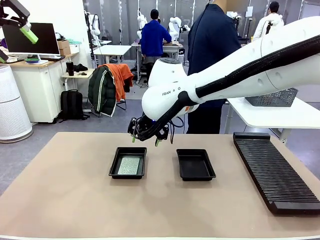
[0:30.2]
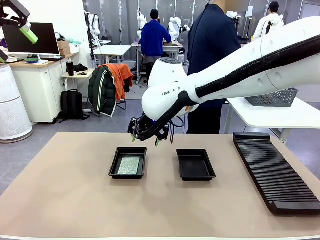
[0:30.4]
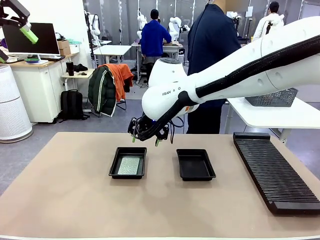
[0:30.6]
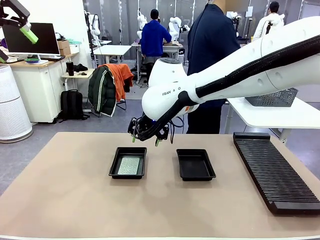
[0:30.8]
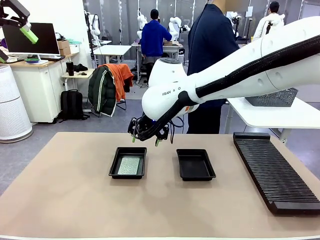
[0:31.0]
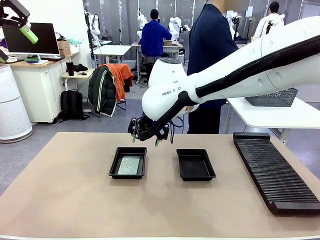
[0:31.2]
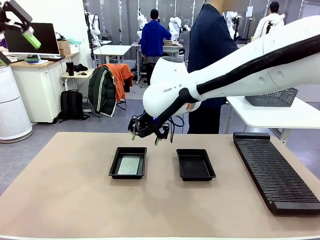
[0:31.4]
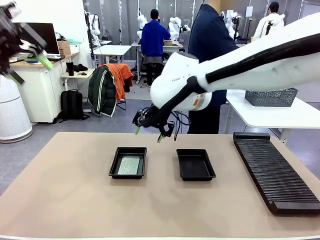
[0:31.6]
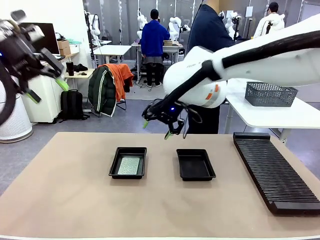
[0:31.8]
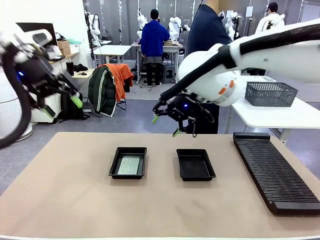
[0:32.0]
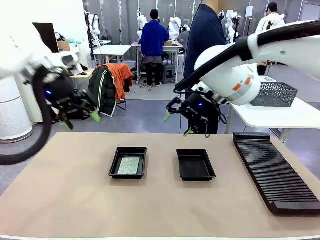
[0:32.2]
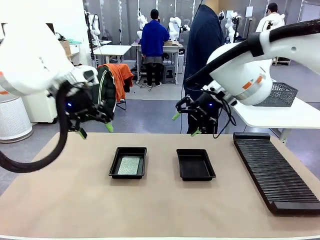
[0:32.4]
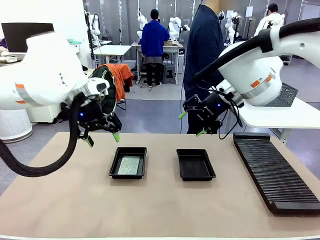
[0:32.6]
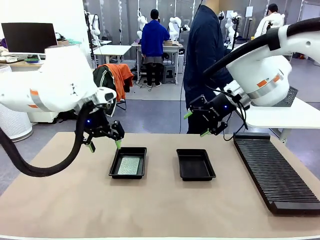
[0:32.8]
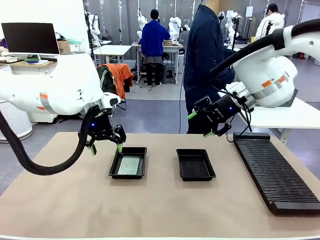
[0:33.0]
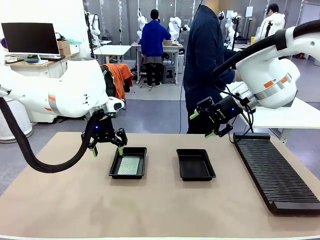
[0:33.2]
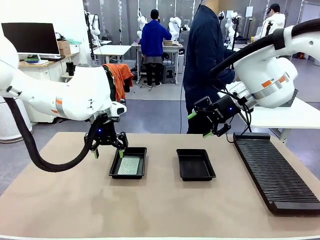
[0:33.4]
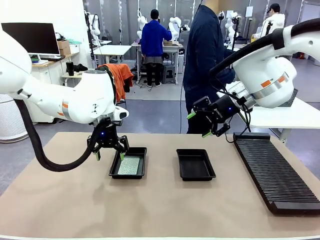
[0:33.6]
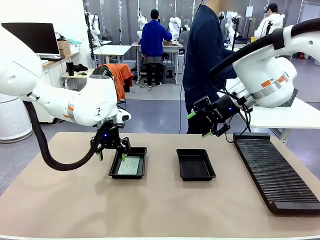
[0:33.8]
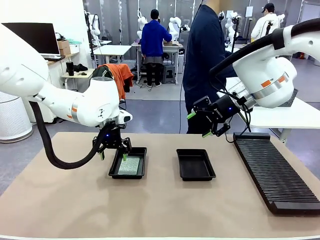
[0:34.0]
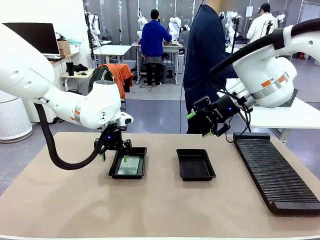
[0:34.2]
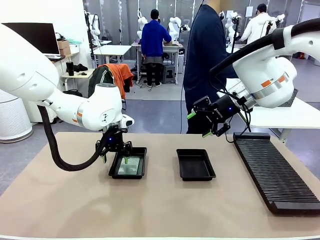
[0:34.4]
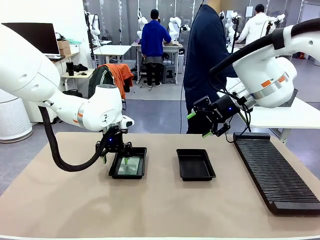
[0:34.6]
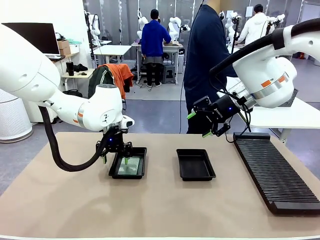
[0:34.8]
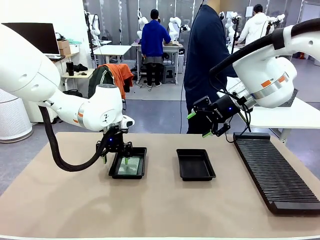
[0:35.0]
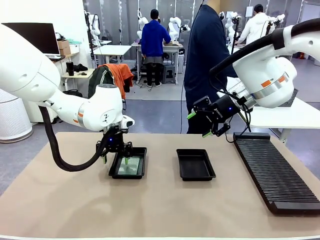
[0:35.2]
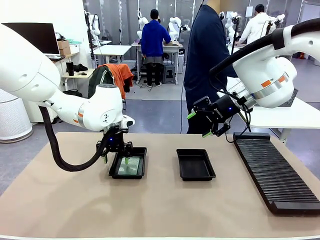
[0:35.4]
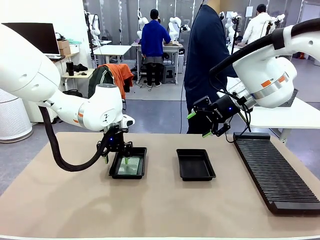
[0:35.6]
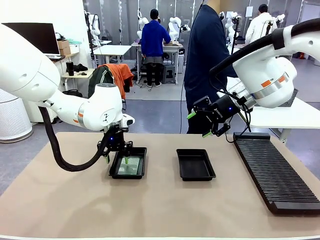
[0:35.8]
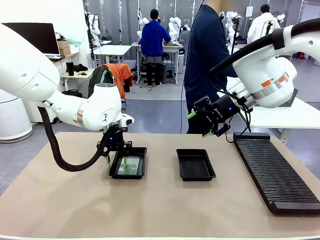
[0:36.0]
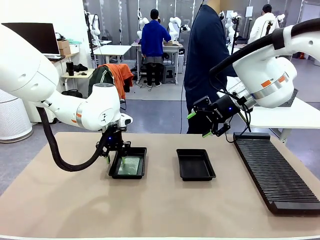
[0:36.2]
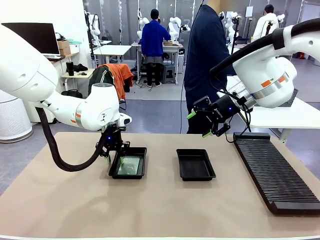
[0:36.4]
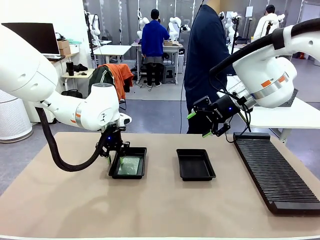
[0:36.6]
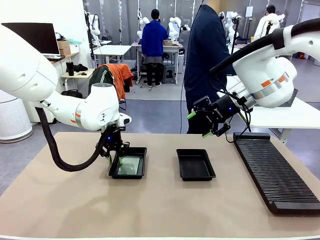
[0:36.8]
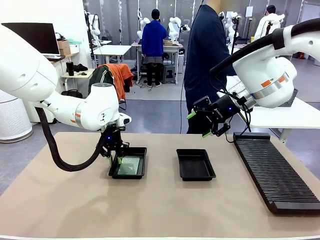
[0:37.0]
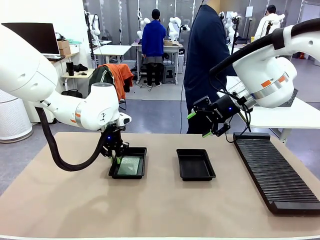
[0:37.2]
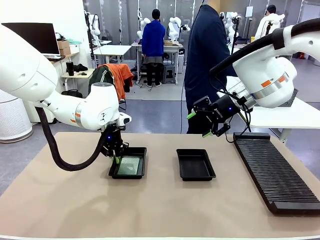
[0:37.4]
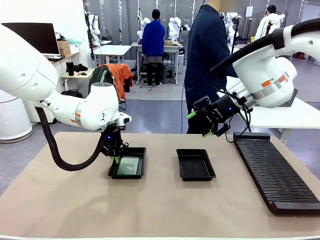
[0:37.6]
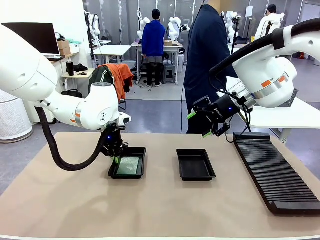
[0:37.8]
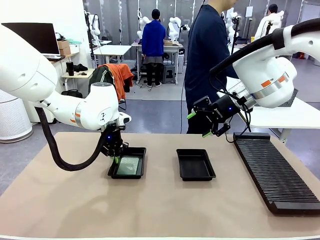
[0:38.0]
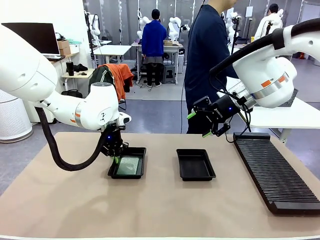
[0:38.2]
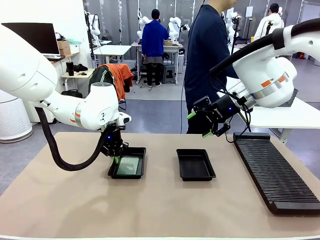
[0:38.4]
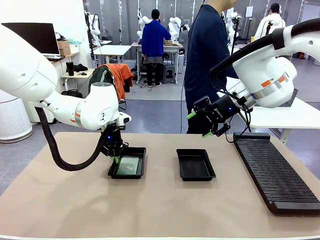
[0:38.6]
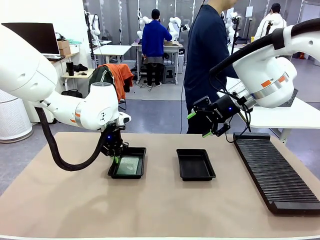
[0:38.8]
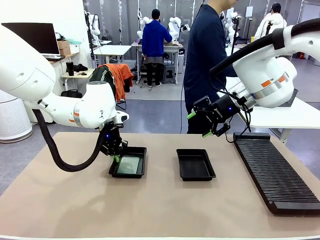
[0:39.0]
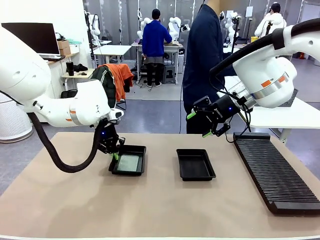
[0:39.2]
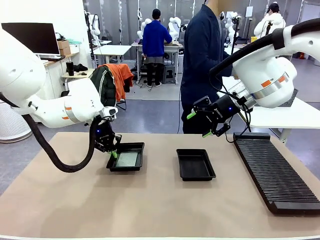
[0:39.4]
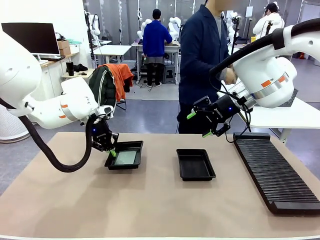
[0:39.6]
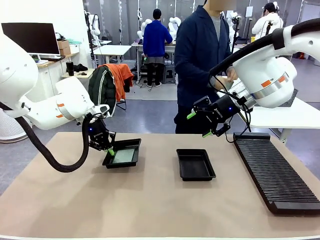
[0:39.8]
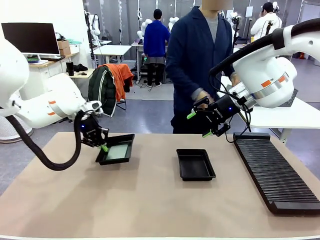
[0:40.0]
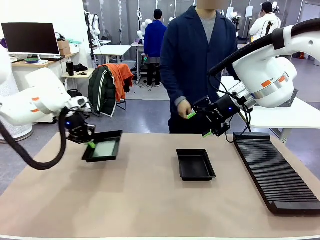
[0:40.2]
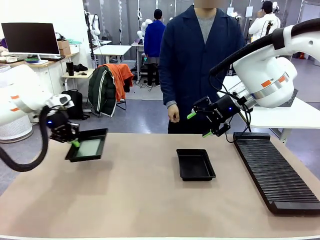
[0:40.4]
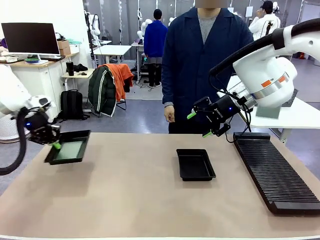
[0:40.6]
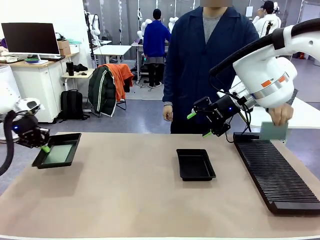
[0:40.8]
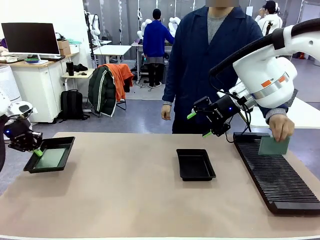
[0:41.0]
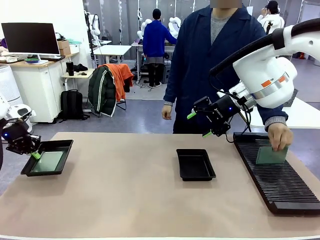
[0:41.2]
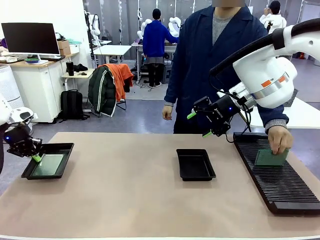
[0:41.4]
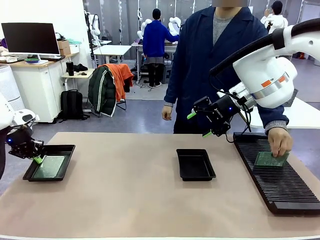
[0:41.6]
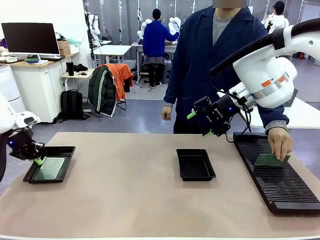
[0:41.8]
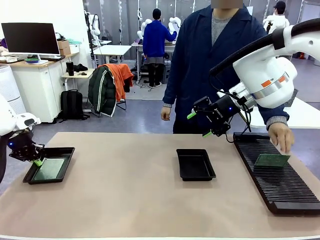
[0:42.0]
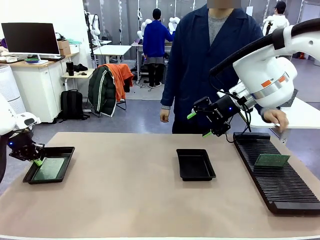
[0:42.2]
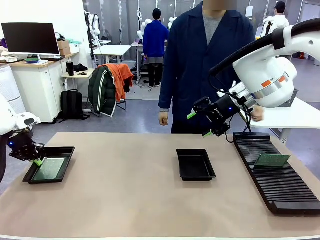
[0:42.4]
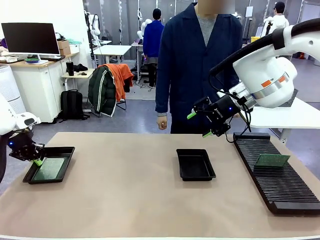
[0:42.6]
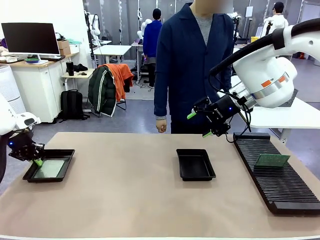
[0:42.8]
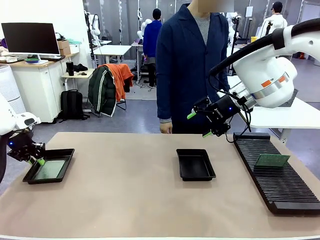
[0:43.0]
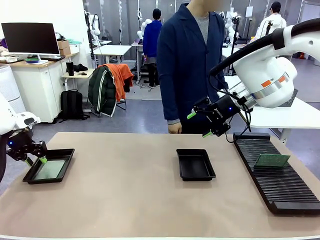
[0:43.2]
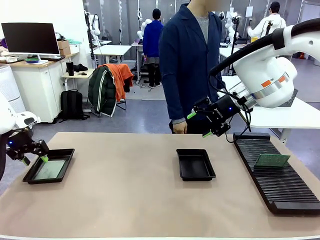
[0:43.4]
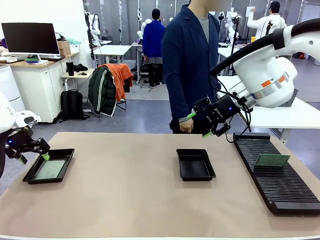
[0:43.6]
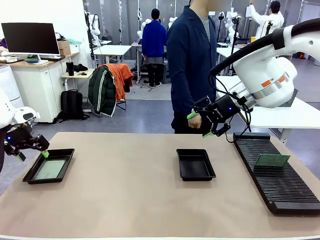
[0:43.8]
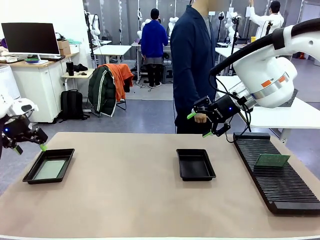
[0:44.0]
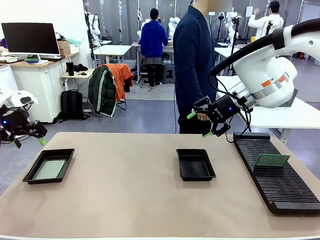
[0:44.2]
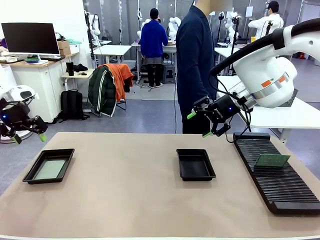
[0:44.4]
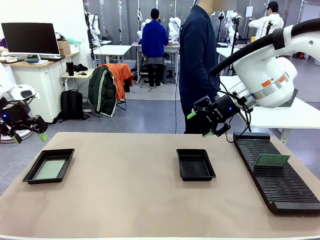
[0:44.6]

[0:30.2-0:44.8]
Task: Inspect and transfer BCBs to ESD trays.
Robot: Pick up the ESD tray and place it on the left side of the table.

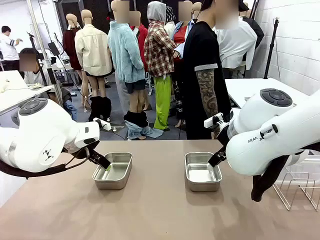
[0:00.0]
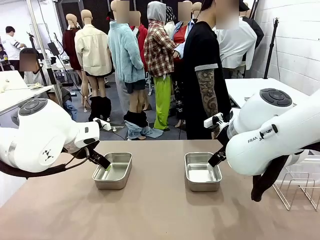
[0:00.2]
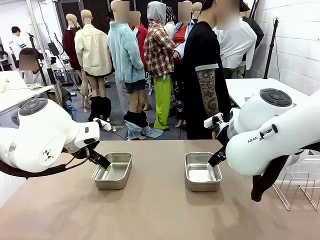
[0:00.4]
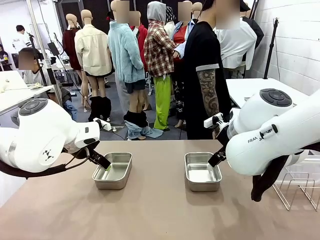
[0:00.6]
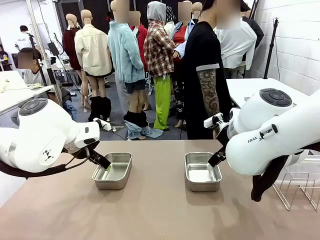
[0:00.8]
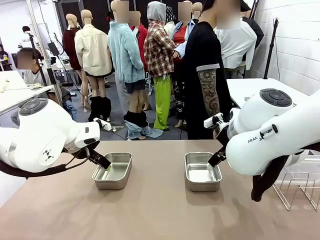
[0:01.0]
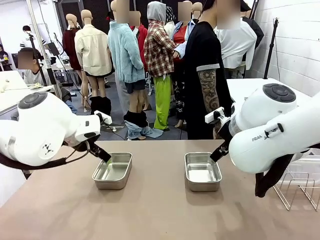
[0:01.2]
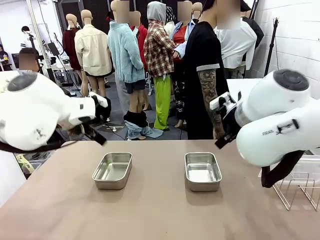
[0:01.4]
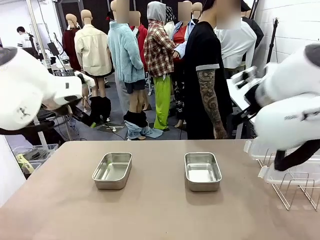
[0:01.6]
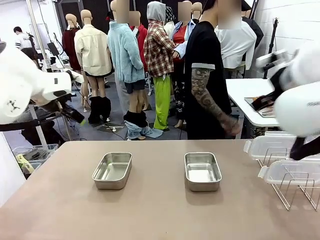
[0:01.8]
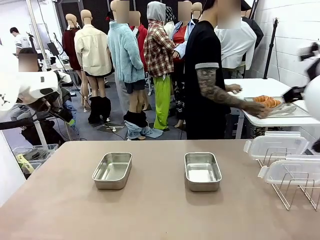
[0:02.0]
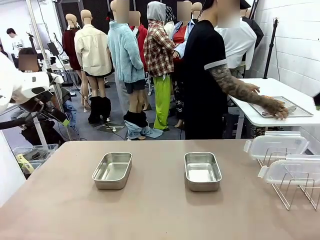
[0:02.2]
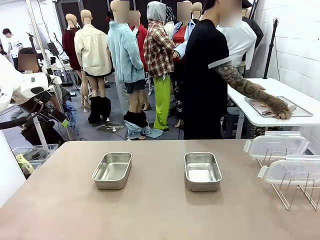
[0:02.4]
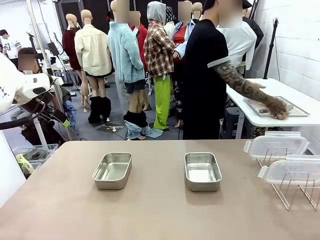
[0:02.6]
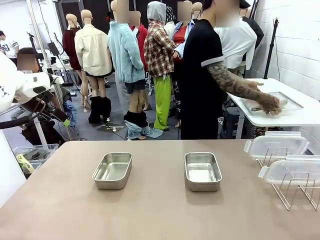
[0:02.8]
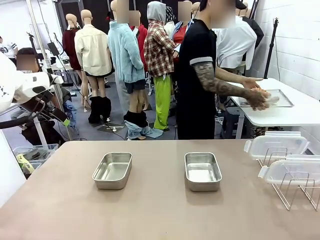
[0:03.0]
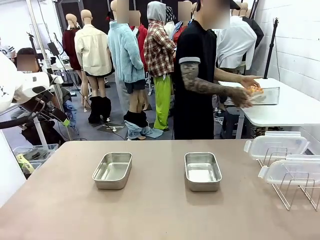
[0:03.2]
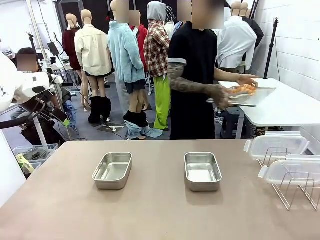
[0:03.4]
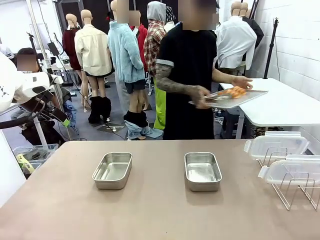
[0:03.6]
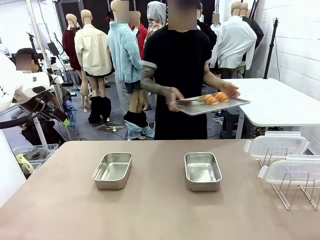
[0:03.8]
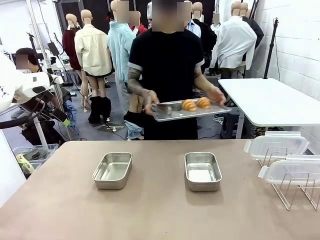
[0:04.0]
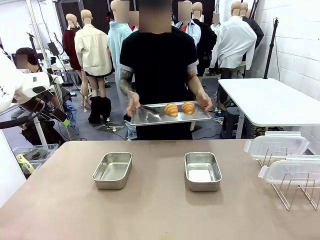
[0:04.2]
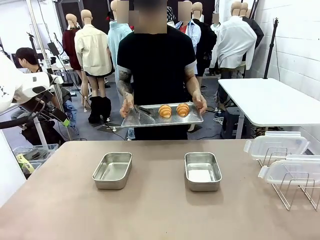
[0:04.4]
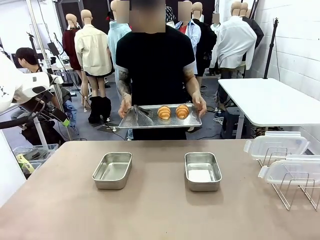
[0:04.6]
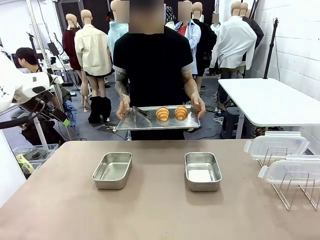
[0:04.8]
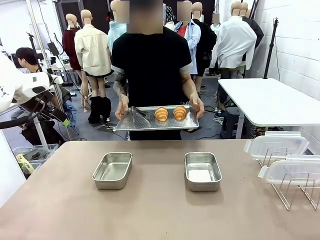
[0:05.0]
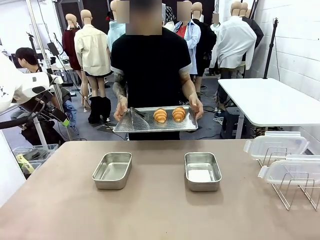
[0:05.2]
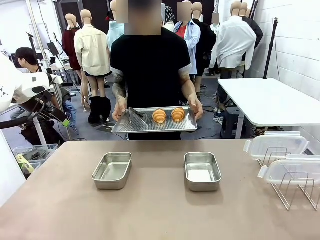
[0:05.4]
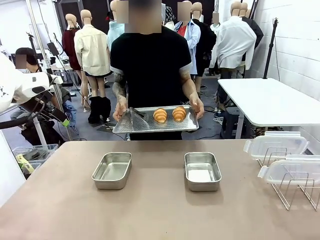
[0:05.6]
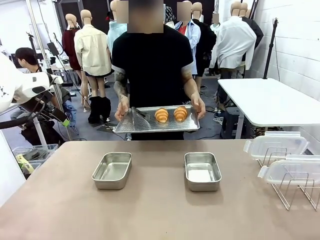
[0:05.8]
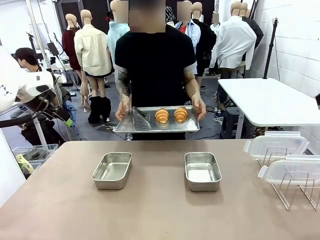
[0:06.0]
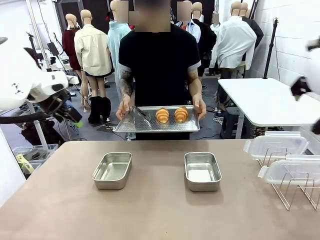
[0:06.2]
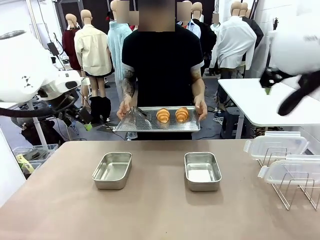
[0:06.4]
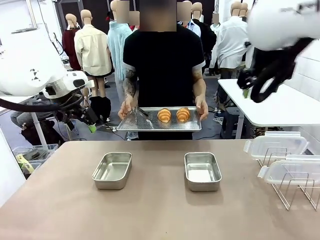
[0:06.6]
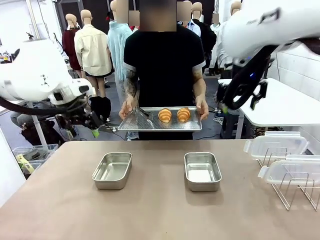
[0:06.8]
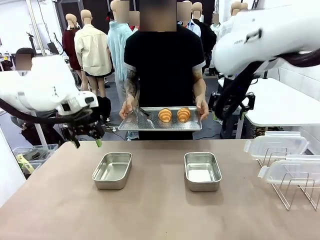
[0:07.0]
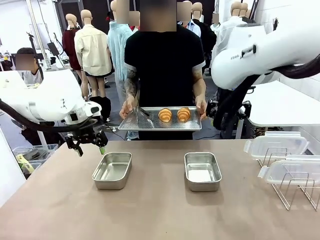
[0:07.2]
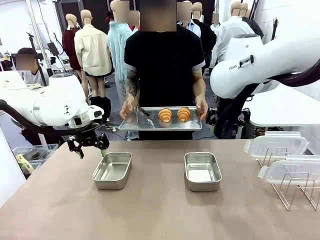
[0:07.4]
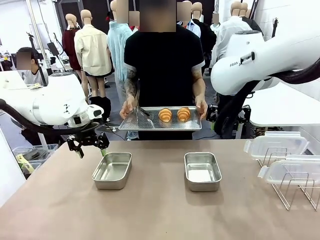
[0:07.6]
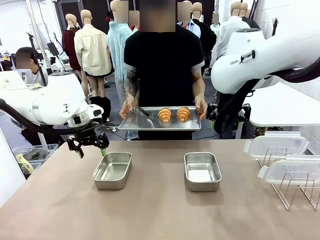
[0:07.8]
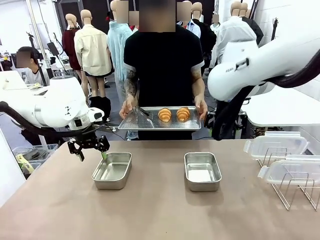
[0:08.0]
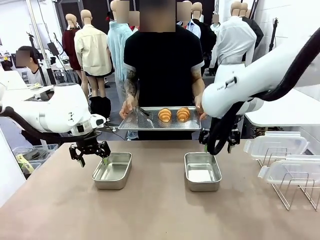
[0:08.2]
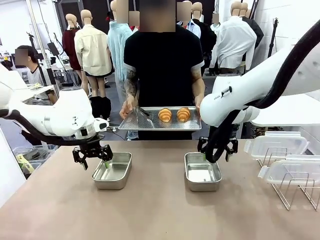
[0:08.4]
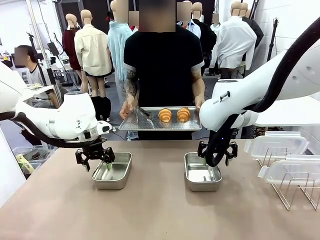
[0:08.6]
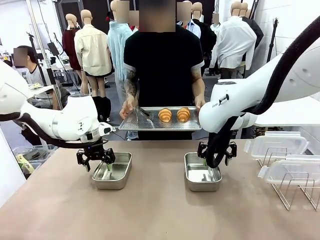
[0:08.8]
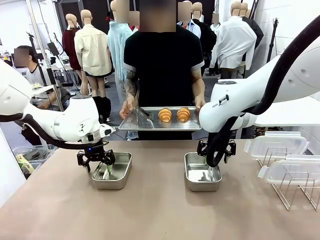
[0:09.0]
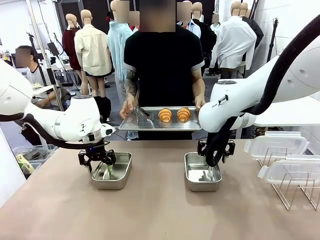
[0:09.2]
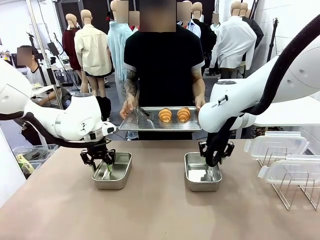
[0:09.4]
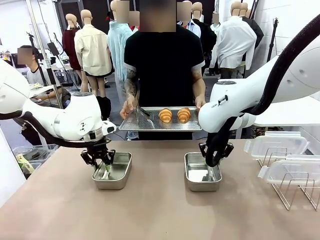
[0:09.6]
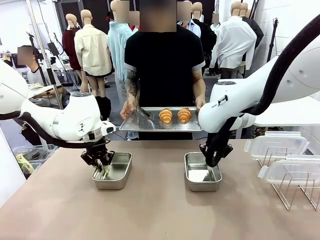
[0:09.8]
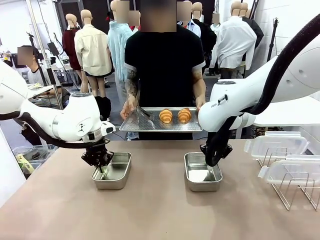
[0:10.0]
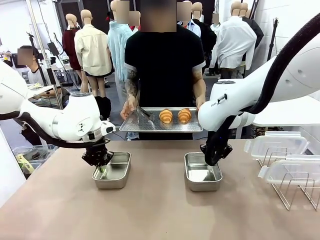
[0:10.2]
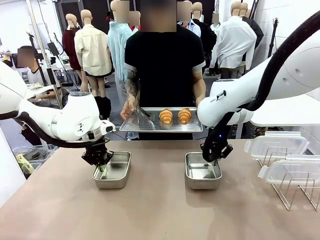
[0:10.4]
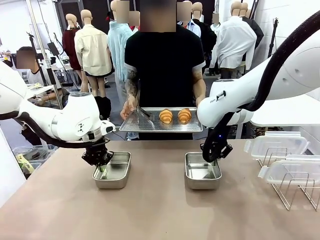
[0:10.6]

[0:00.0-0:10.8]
Task: Place the bread in airtight containers.
Robot: Lift both Airtight Container.
Person: Bring the Baking Sheet in front of Robot's Table.
